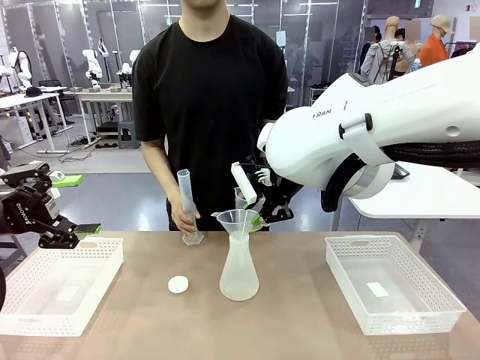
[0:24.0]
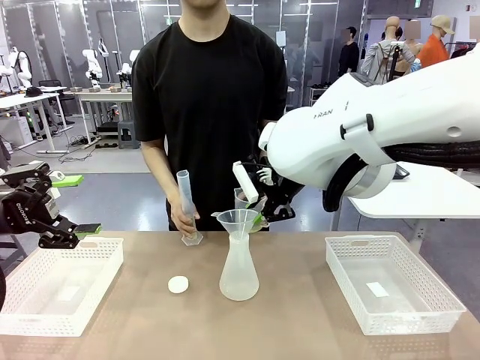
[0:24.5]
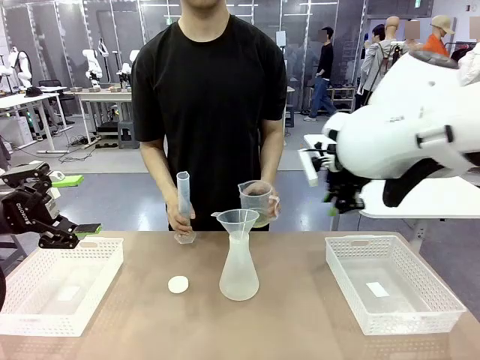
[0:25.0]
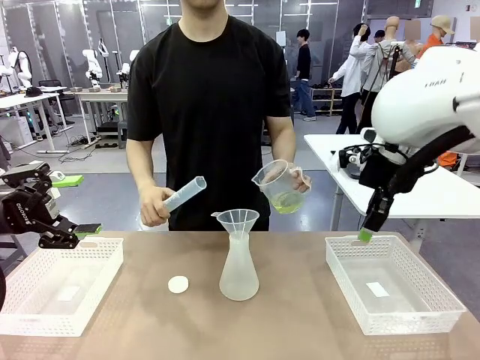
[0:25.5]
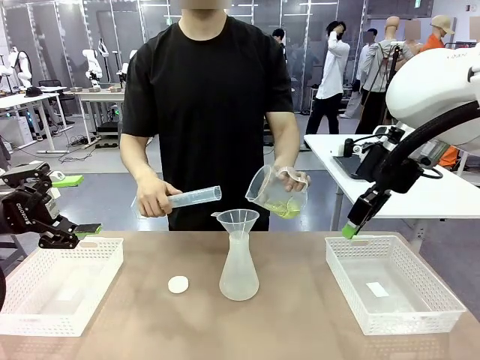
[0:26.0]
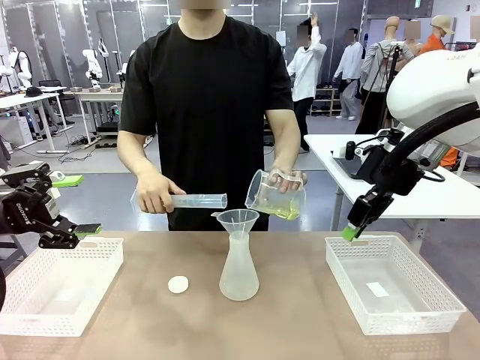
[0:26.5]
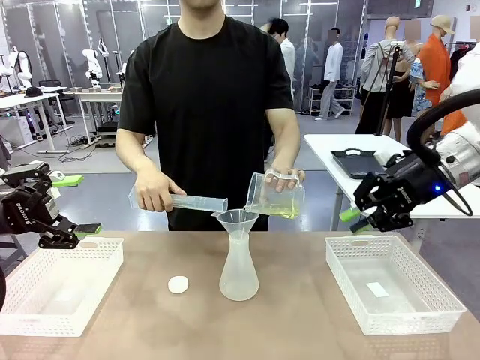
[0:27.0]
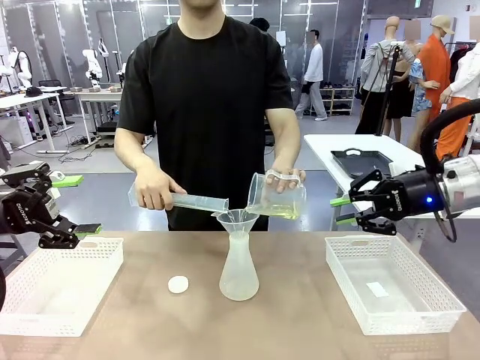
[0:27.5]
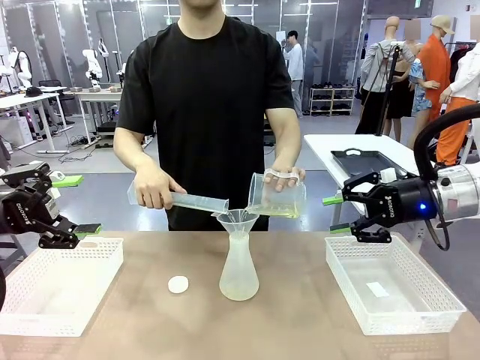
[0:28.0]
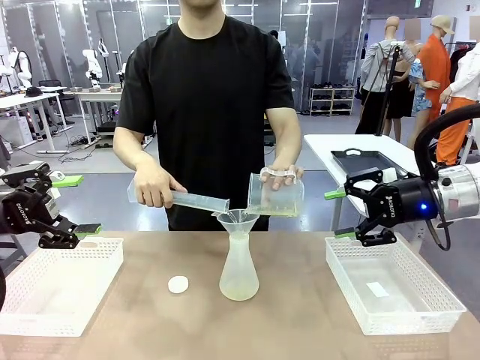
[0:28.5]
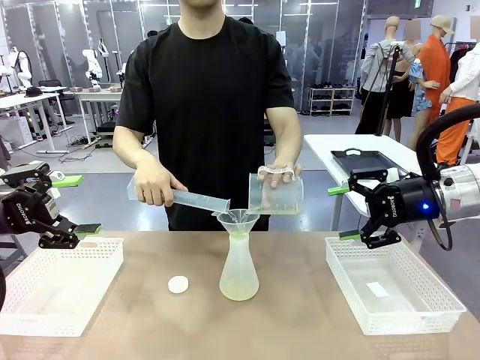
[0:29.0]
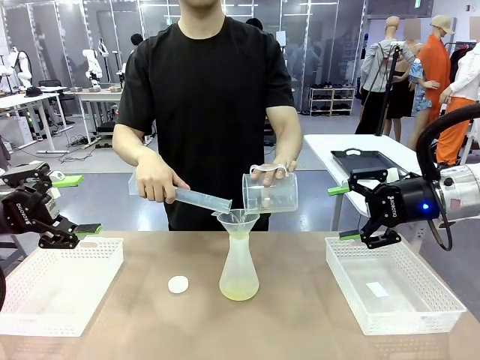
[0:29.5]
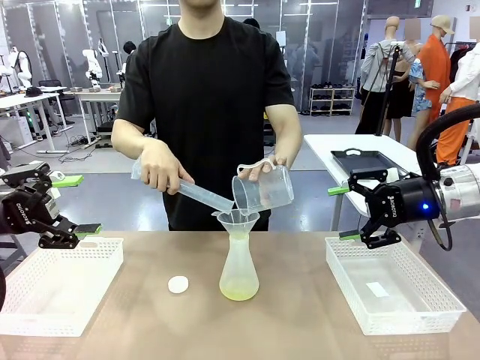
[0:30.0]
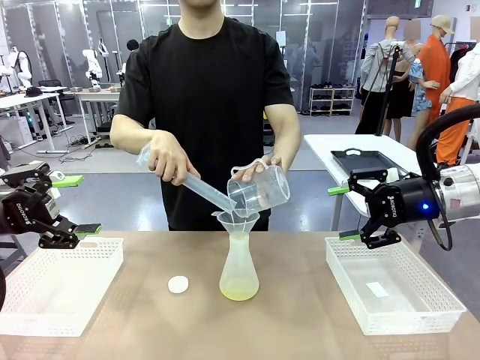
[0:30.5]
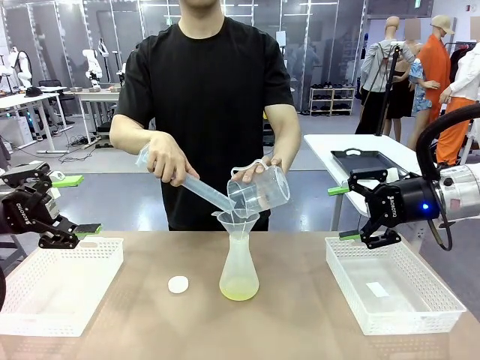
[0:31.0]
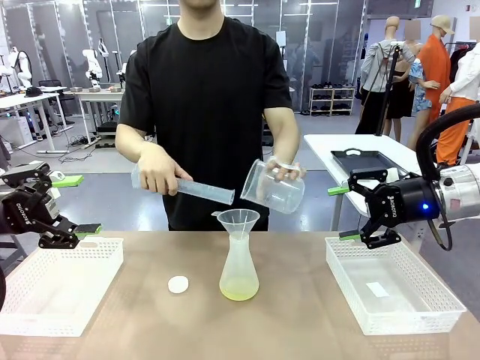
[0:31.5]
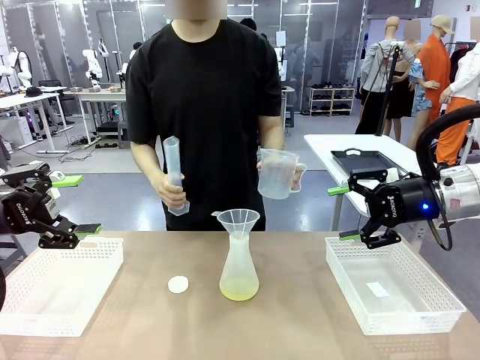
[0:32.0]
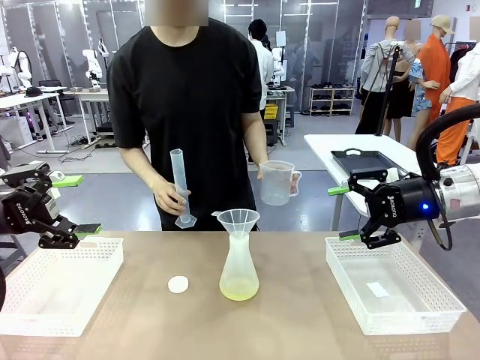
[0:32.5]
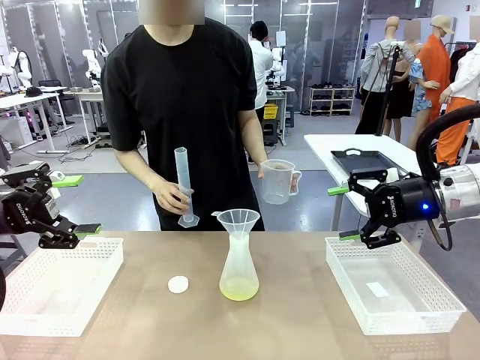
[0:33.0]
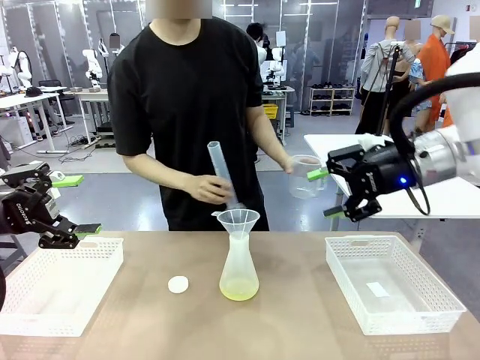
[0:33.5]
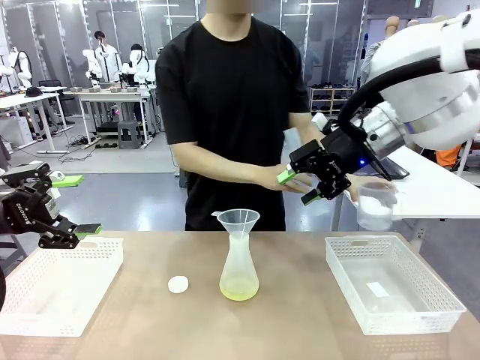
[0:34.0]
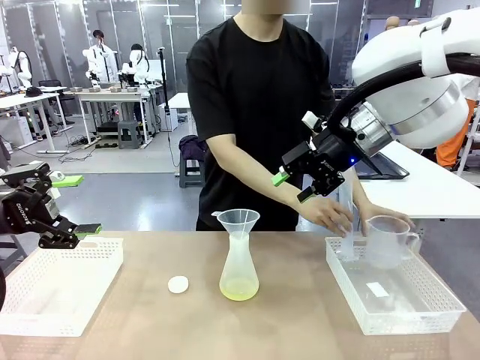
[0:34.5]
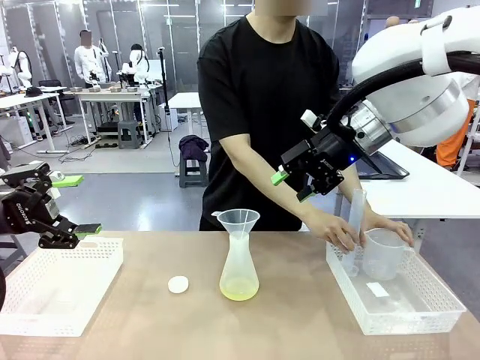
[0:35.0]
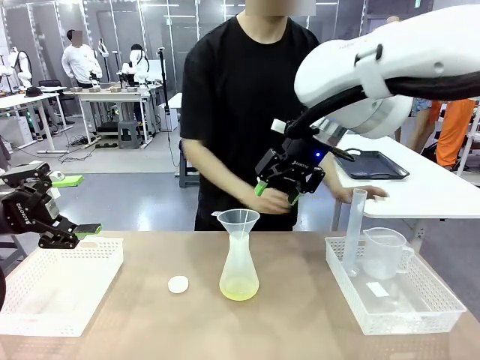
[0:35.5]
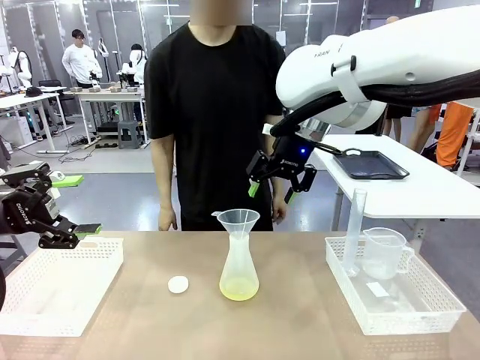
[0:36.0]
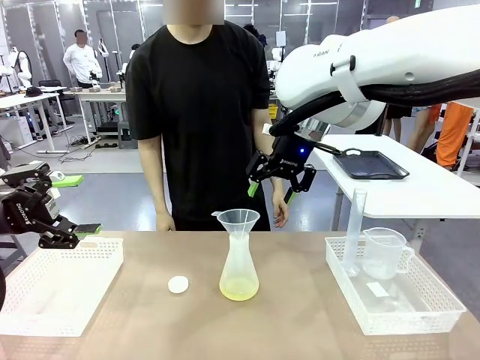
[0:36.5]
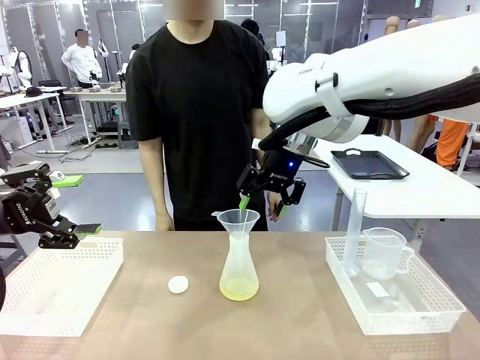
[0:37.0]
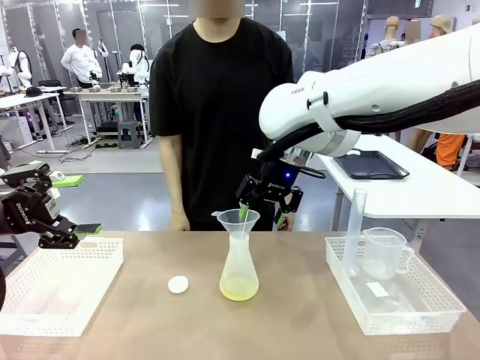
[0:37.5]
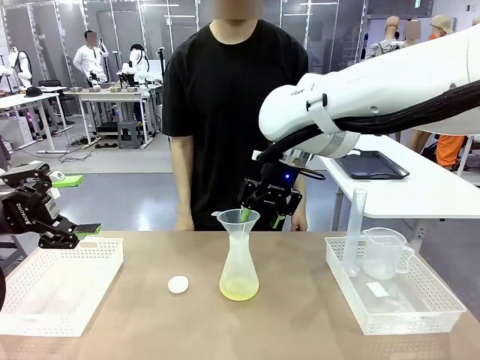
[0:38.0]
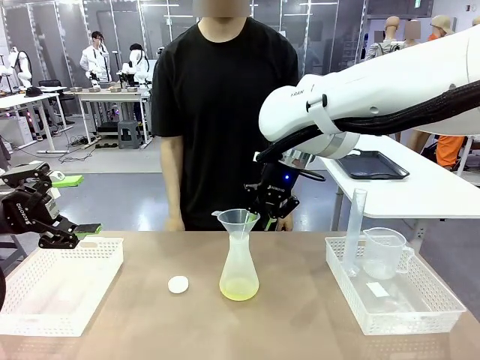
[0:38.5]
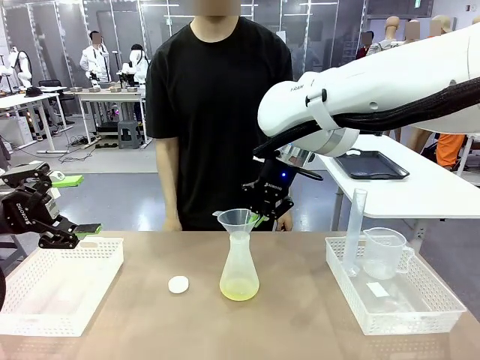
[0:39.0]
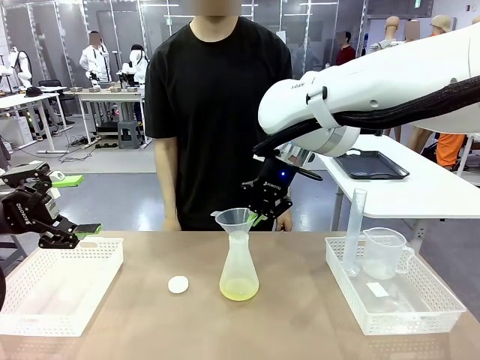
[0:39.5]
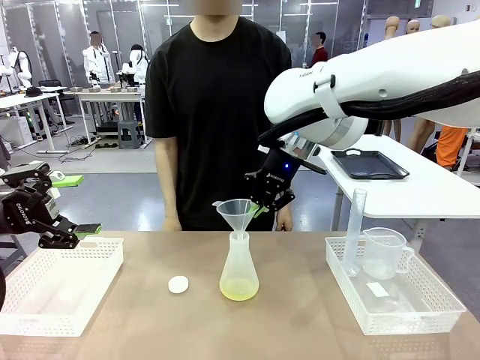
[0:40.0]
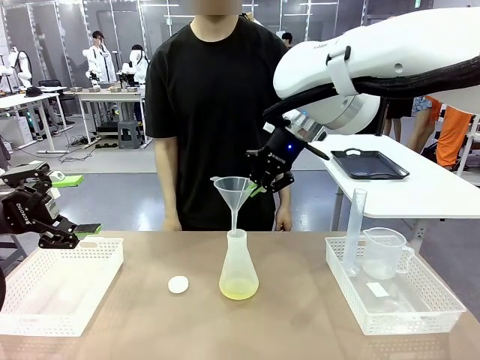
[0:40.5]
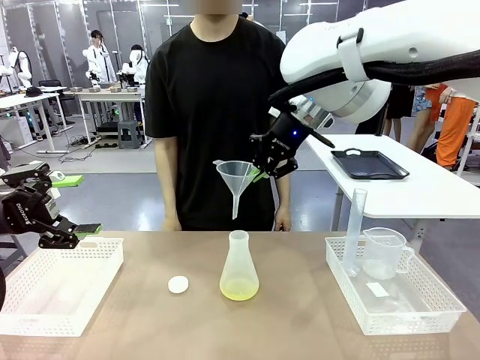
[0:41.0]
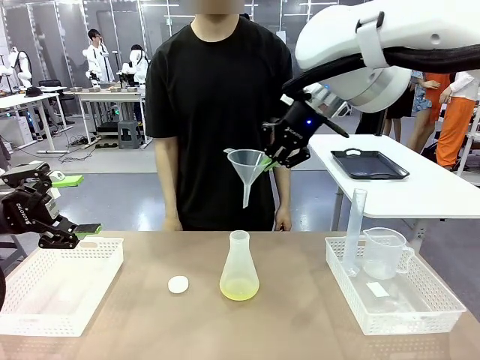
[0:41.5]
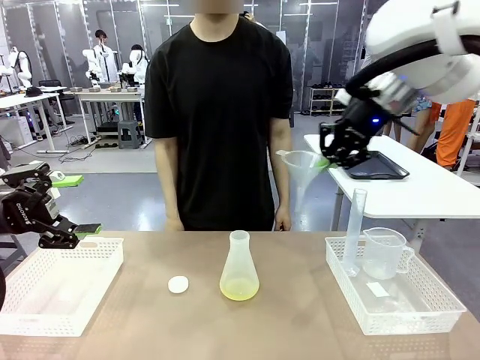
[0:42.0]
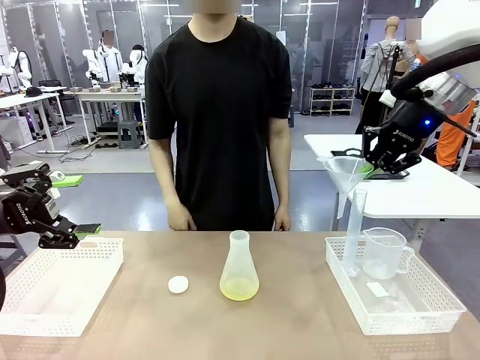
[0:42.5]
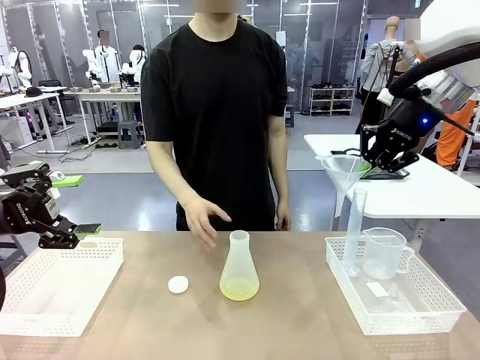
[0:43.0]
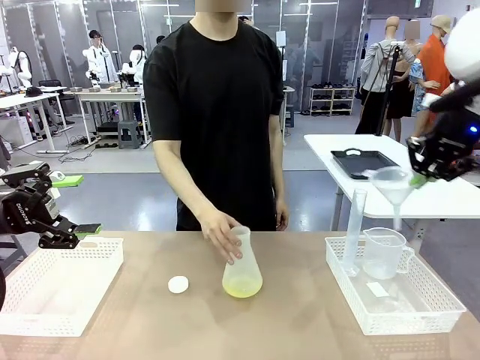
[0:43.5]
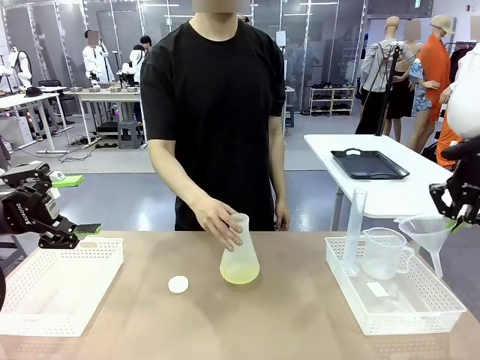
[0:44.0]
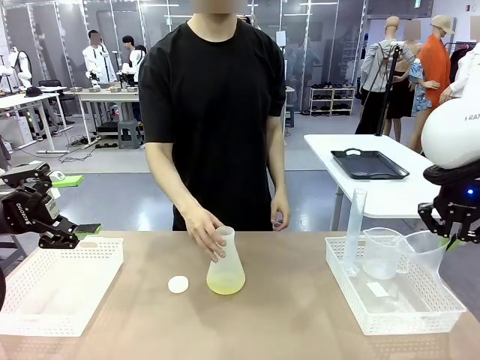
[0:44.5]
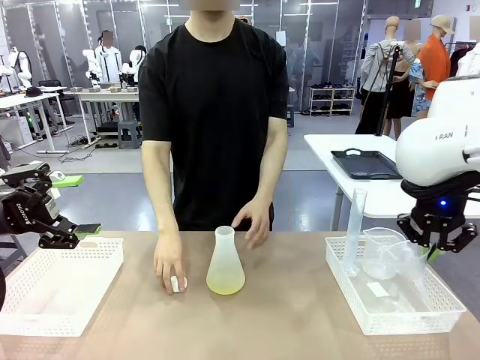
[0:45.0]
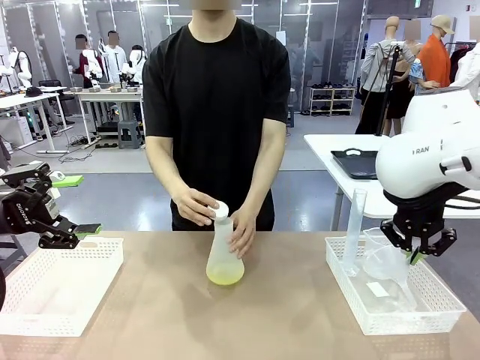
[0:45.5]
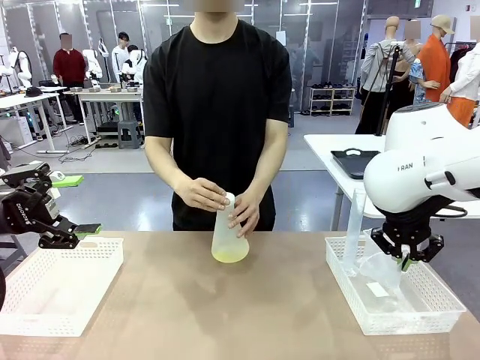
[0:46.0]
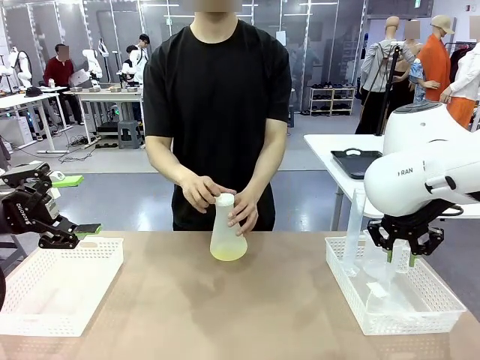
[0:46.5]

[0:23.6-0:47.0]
Task: Prepare the solutions needed for the experiment.
Robot: Once the solution is in the Big flask , pick up the Plastic Funnel and place it back into the right Organizing basket.
Person: Place the beaker and the cylinder into the organizing basket on the left side. Pick up the flask, gently shake it 2–3 times, place it in the middle of the robot table, and close the lid.
